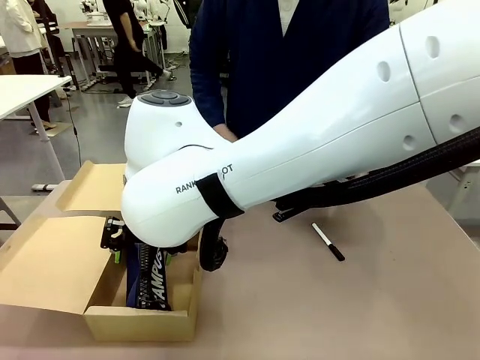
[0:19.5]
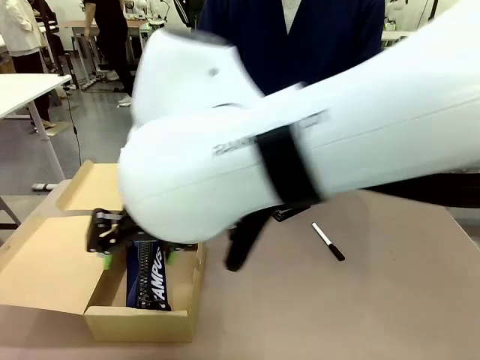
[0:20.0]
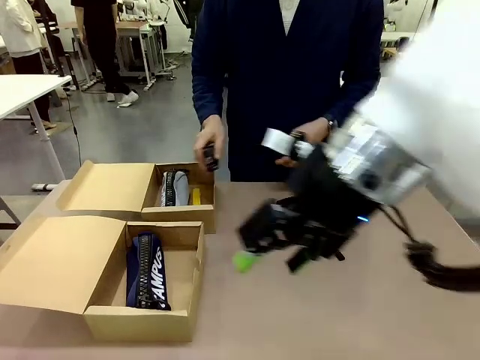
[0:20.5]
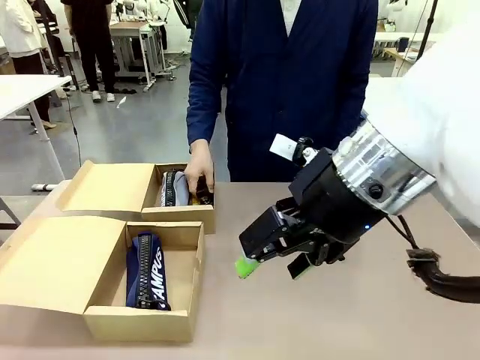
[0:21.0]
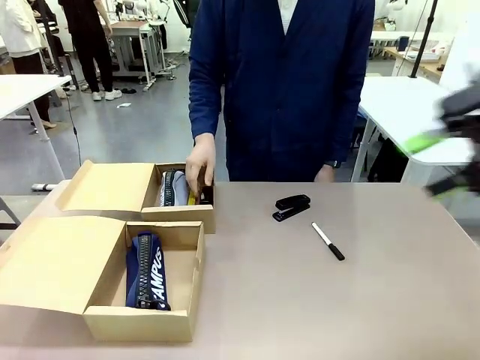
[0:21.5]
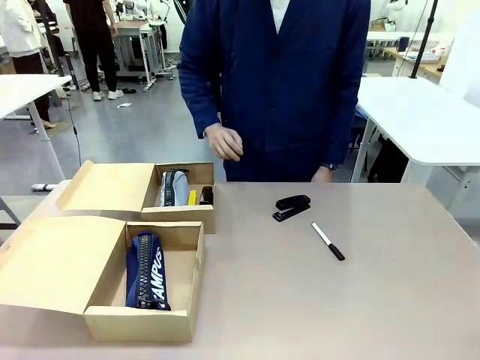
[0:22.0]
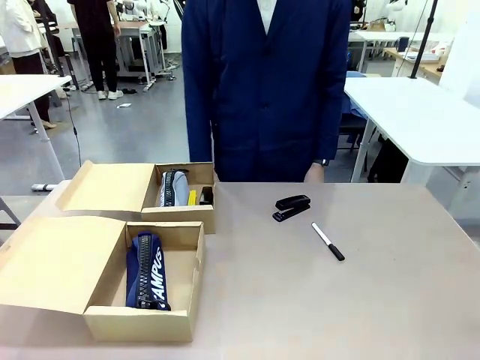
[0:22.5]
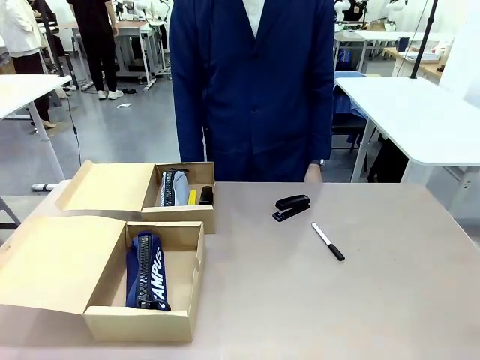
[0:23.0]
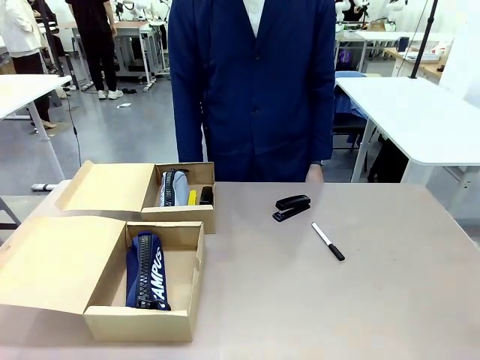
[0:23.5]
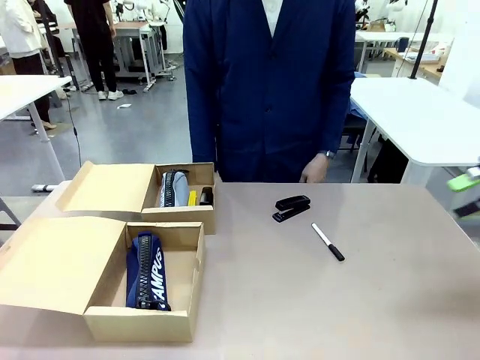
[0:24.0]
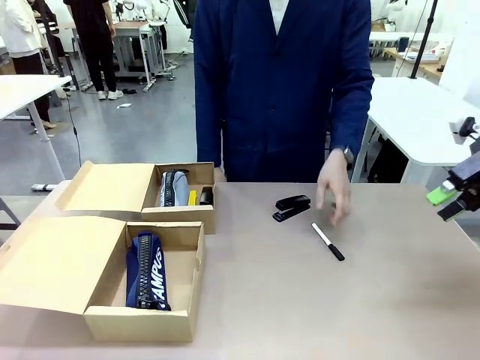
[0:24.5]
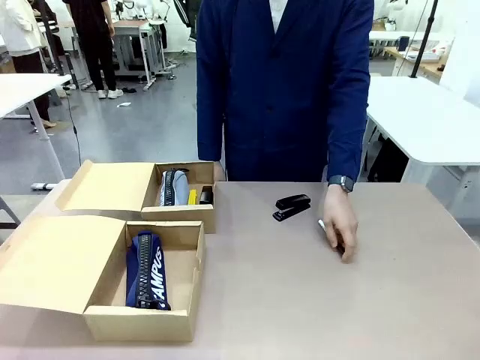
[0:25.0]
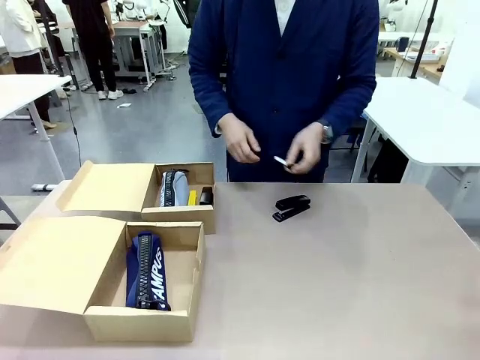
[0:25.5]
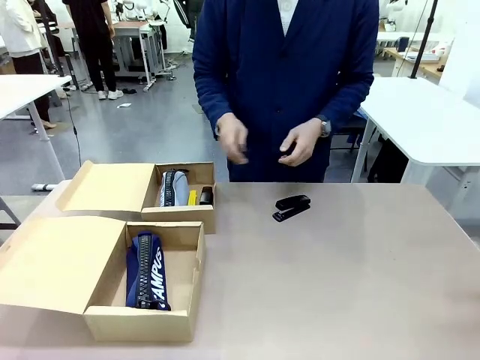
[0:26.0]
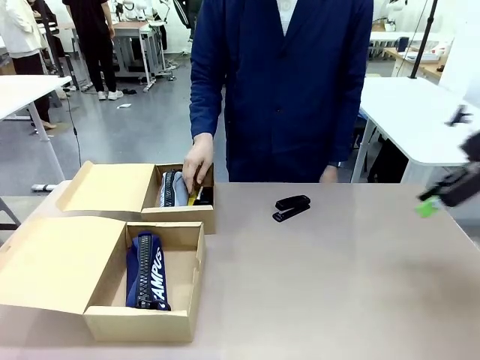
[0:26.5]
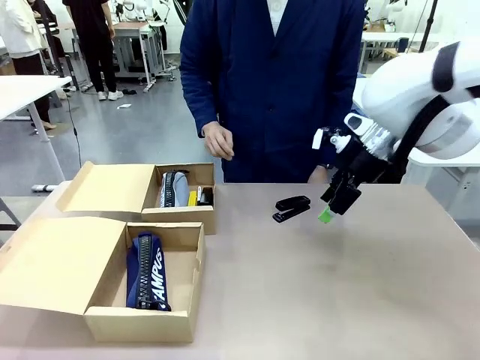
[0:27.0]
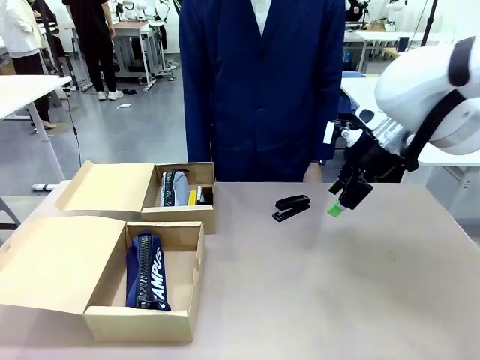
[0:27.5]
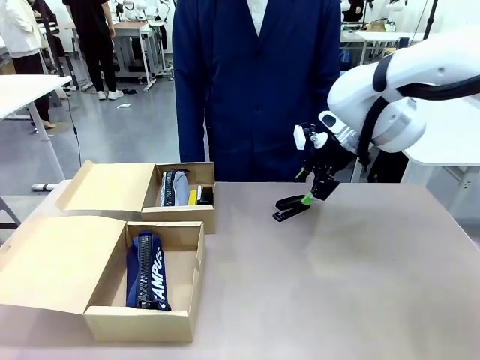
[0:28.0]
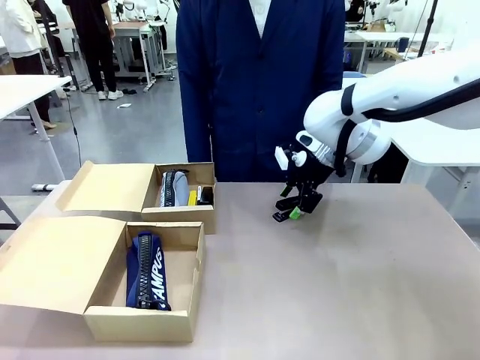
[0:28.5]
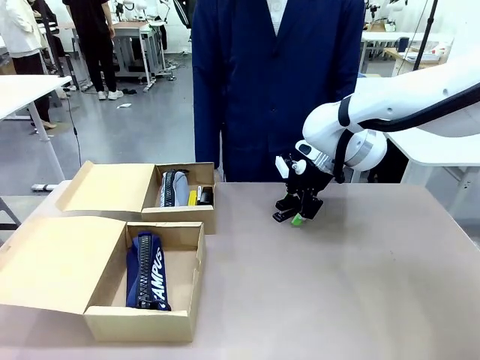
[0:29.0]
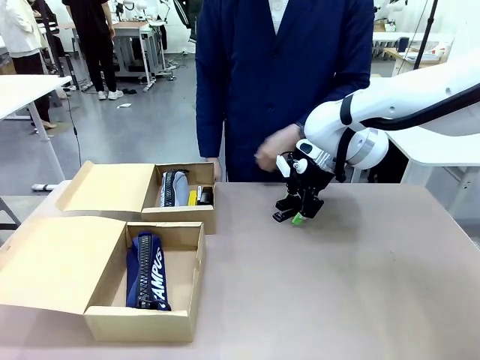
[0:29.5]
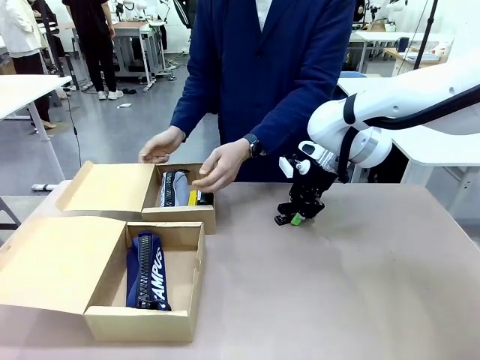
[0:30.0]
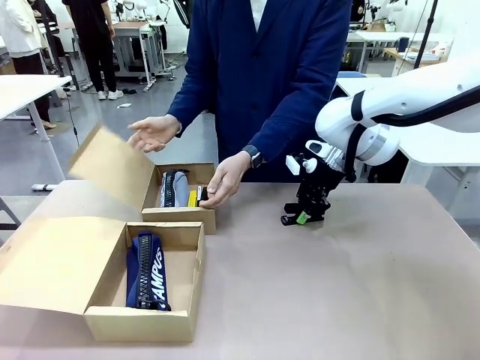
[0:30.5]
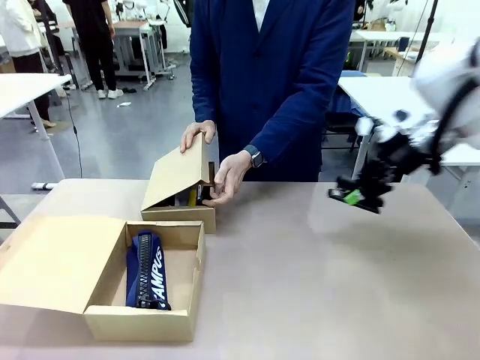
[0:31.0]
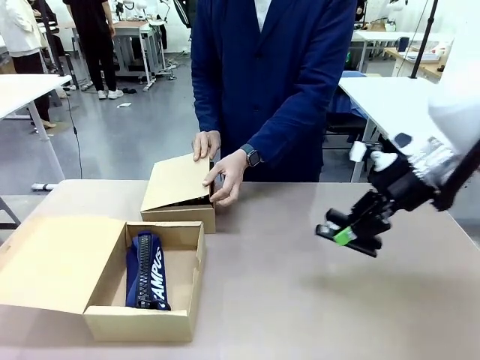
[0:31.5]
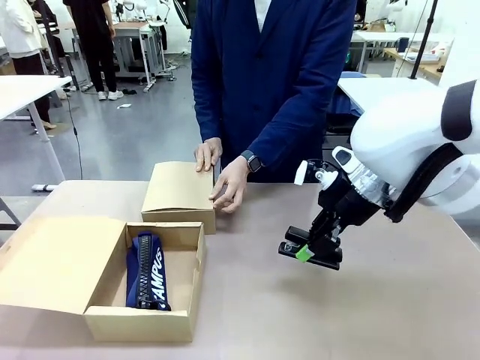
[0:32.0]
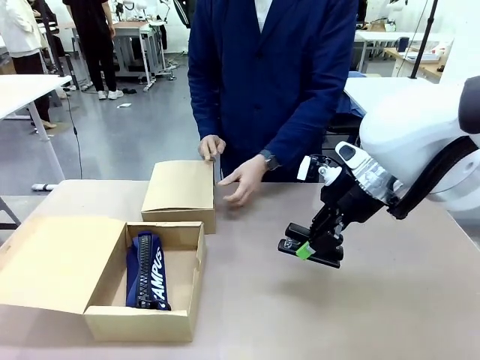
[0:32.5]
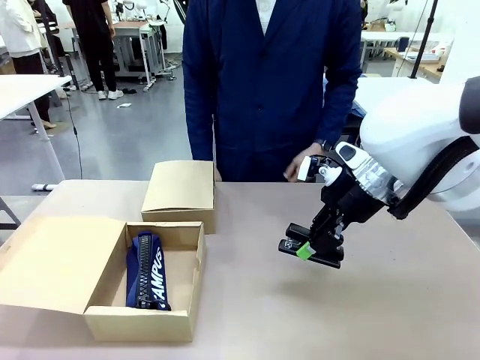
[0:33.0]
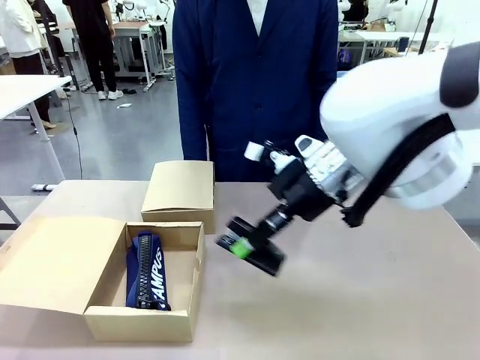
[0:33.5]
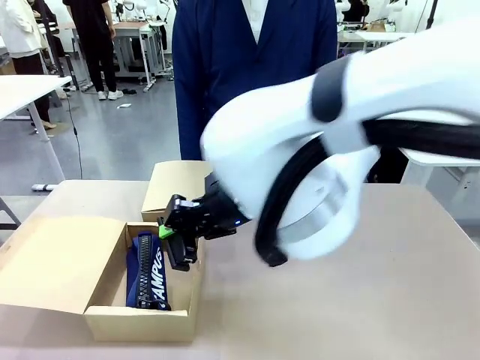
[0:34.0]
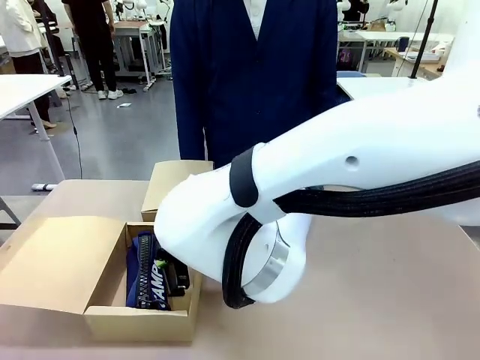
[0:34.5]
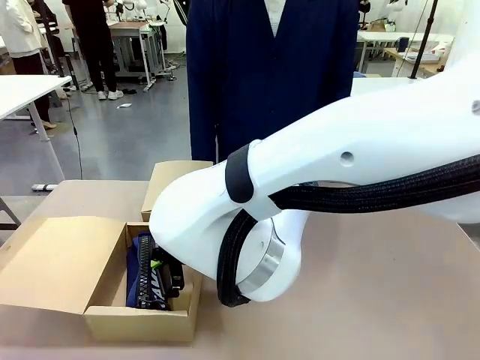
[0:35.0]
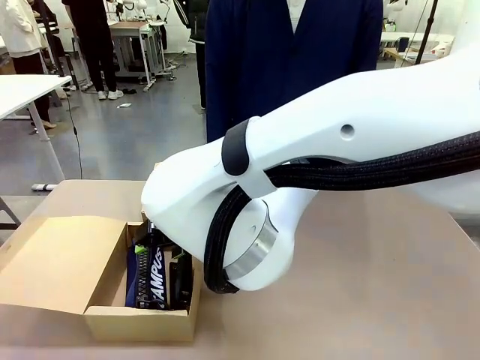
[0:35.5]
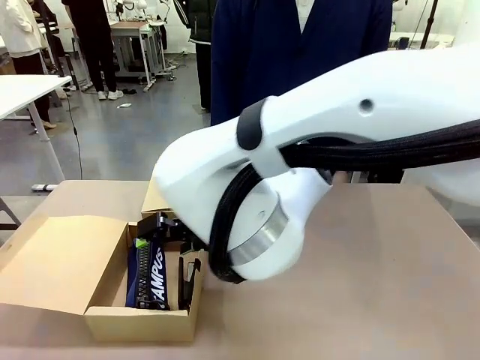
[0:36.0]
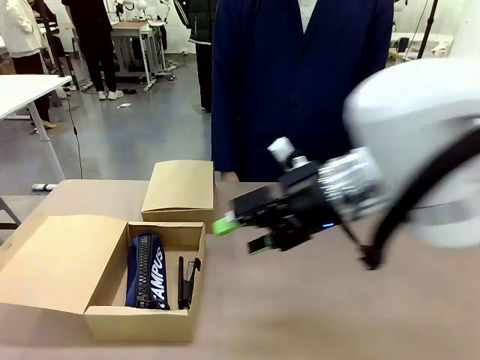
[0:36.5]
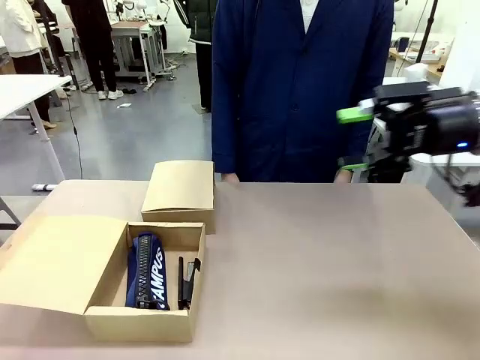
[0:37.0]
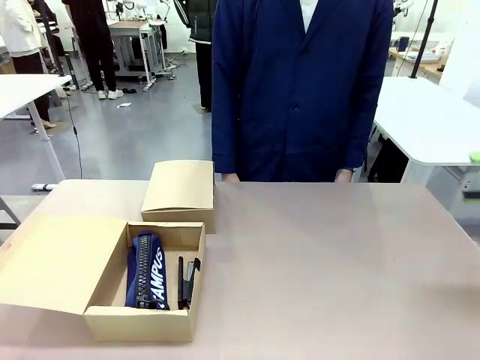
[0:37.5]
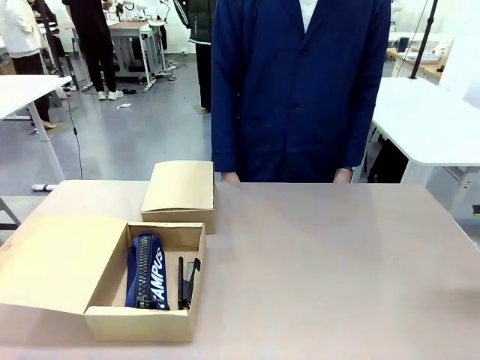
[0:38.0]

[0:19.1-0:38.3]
Task: Place items inside the box.
Robot: Pick up a Pencil pouch or Stapler and place it inside the Mailer Box closest to the robot.
Person: Close the lid of the box facing the person.

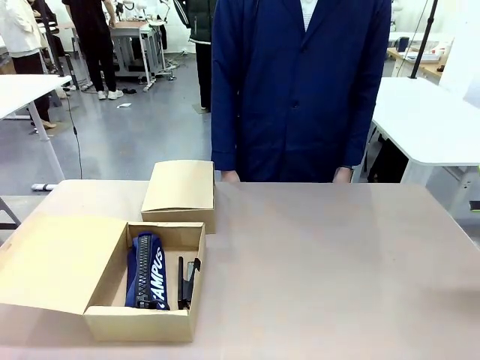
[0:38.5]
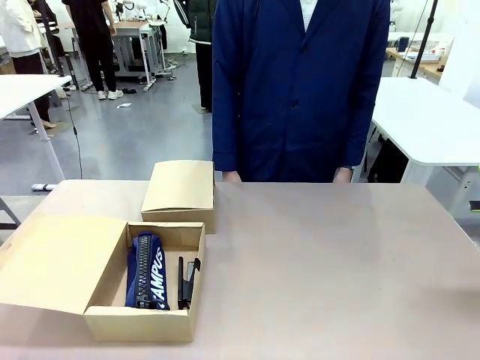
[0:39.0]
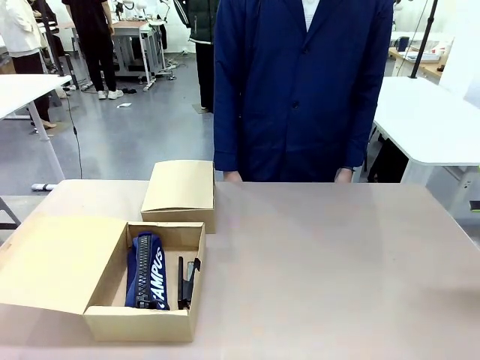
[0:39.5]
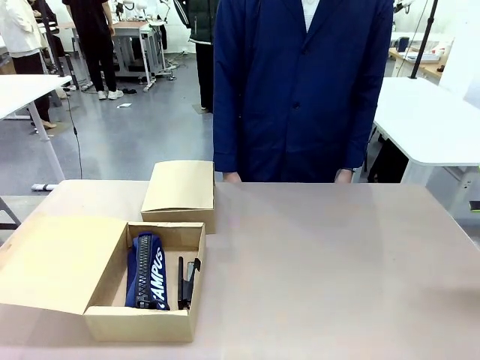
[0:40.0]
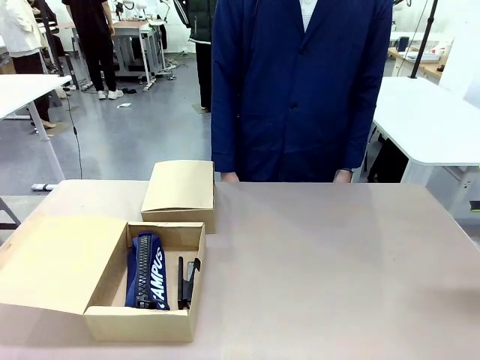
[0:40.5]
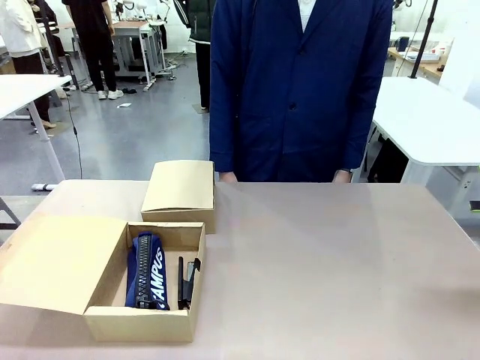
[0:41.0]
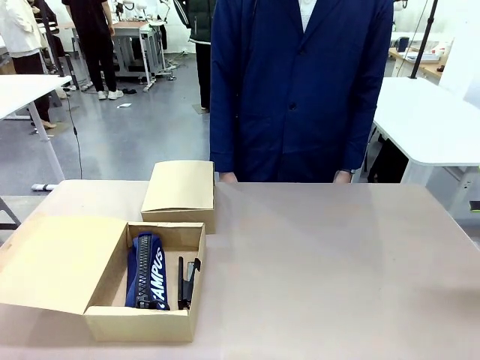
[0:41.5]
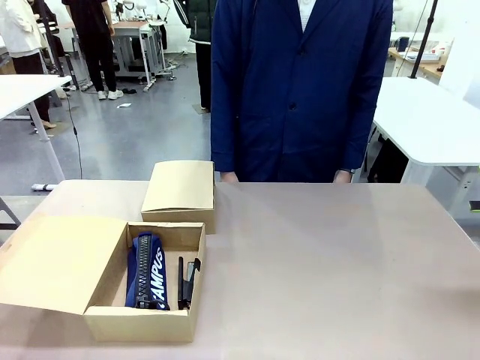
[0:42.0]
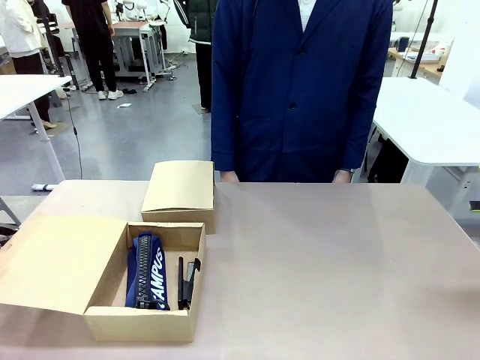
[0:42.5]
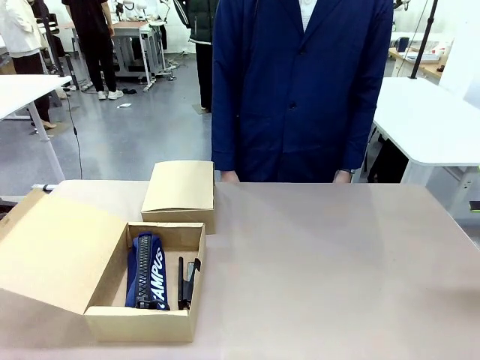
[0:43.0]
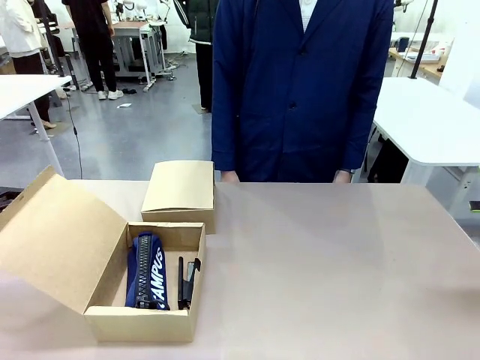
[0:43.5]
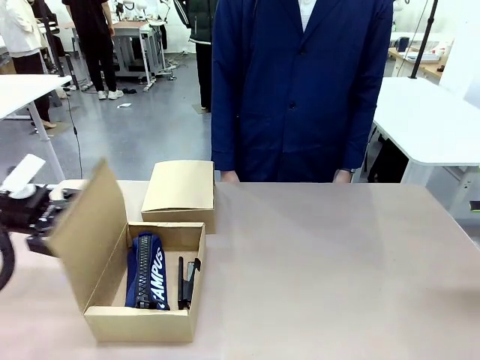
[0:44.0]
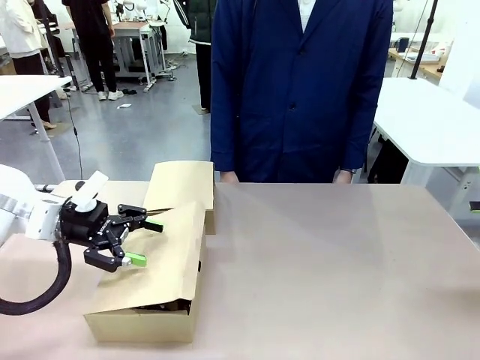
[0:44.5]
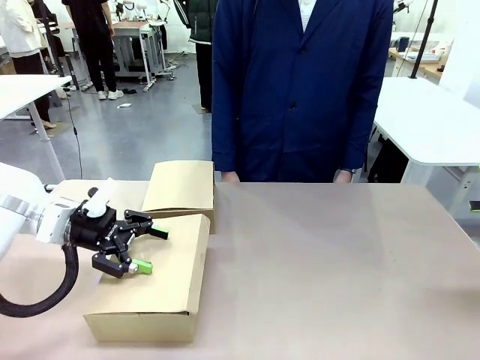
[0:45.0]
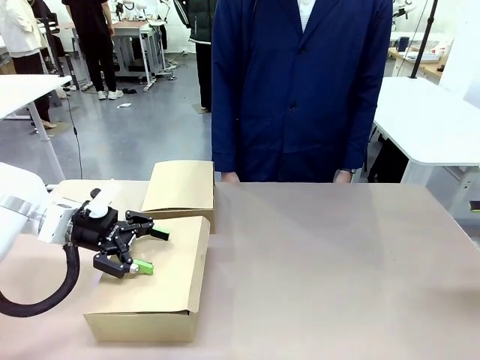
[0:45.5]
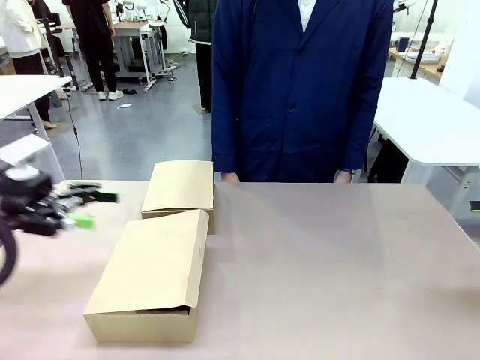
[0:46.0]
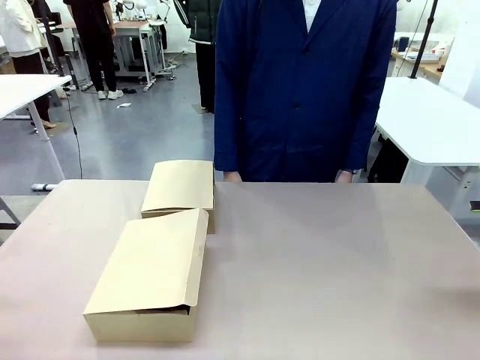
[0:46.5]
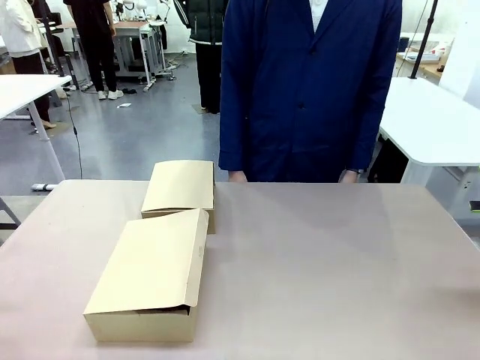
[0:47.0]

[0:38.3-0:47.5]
Robot: Close the lid of the Mailer Box closest to the robot.
